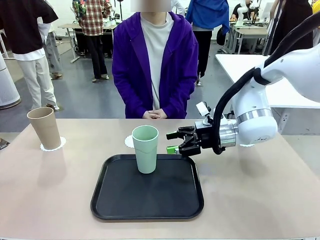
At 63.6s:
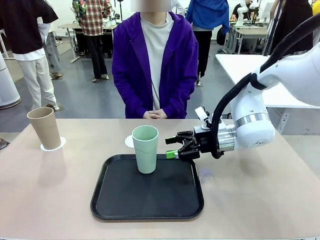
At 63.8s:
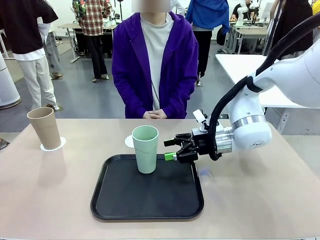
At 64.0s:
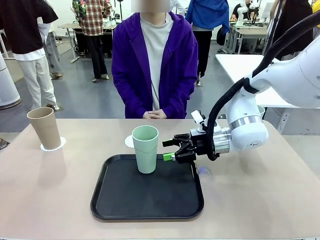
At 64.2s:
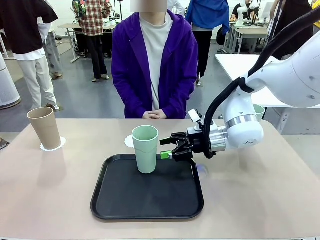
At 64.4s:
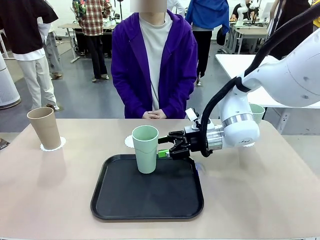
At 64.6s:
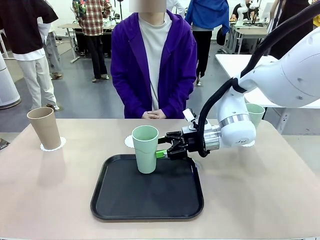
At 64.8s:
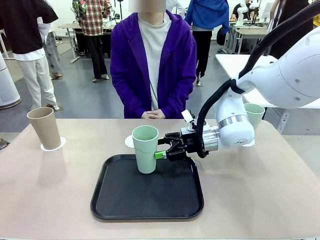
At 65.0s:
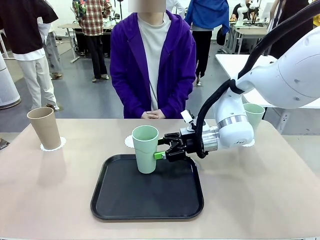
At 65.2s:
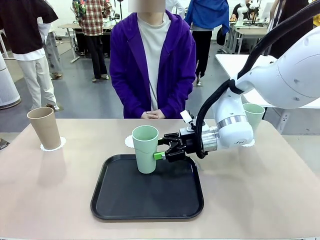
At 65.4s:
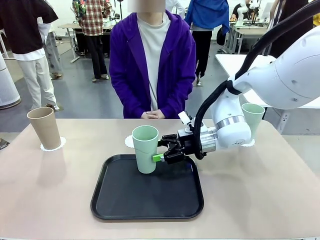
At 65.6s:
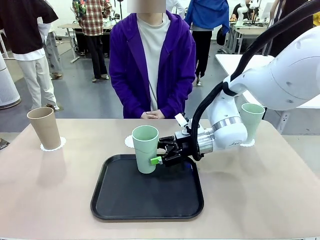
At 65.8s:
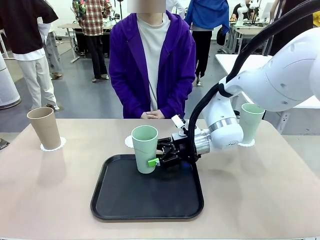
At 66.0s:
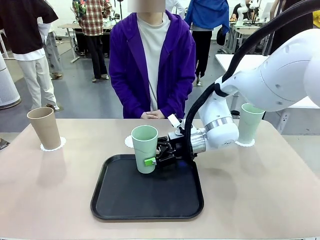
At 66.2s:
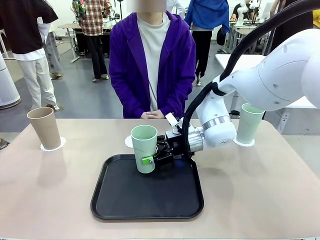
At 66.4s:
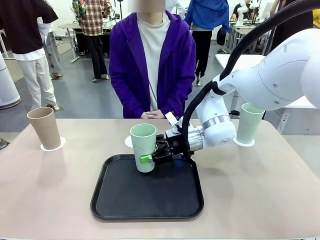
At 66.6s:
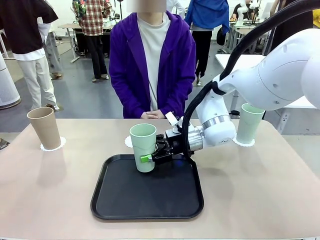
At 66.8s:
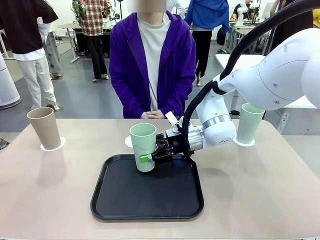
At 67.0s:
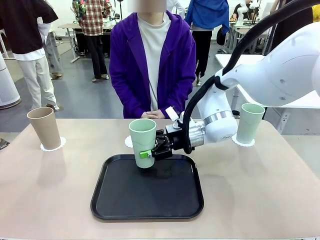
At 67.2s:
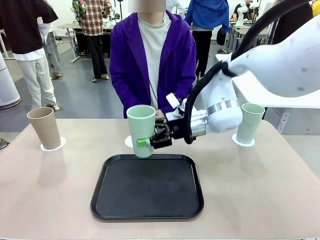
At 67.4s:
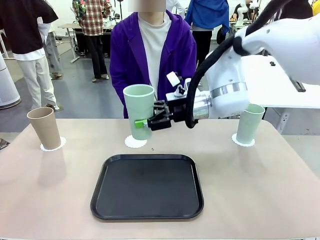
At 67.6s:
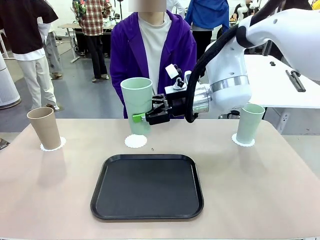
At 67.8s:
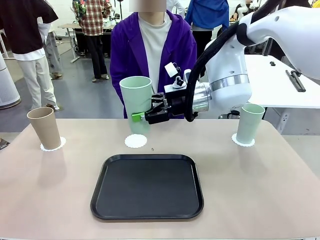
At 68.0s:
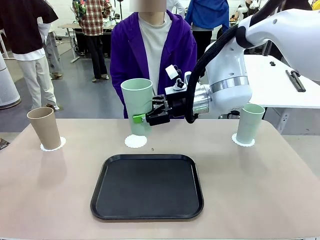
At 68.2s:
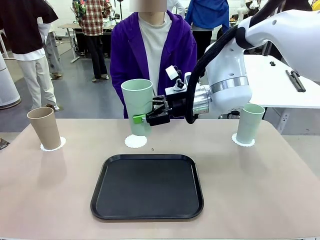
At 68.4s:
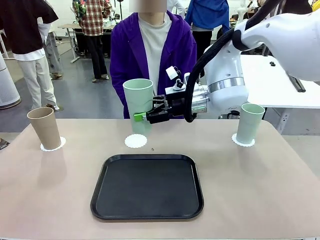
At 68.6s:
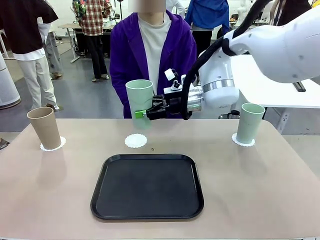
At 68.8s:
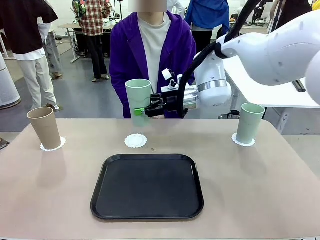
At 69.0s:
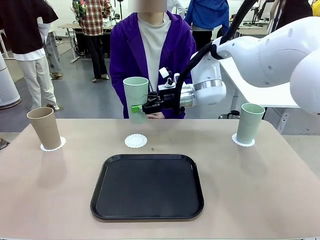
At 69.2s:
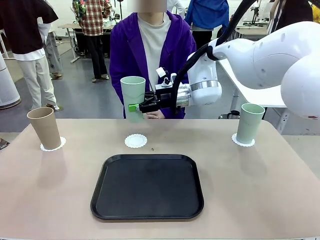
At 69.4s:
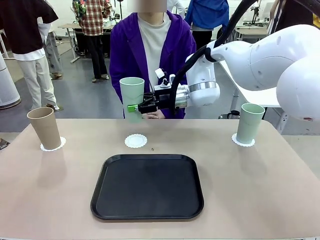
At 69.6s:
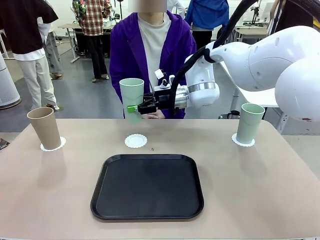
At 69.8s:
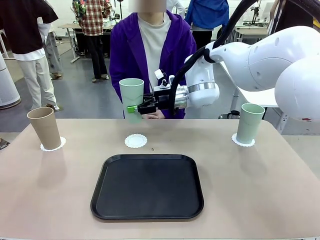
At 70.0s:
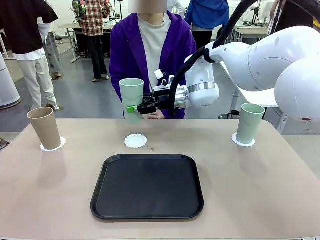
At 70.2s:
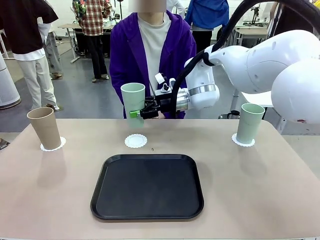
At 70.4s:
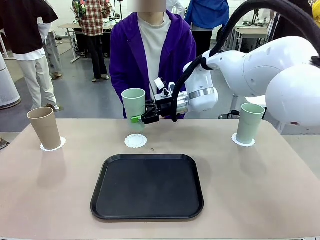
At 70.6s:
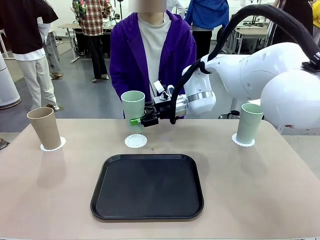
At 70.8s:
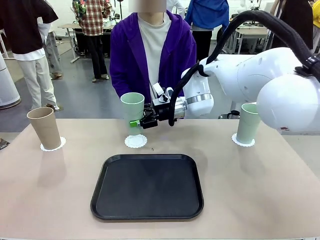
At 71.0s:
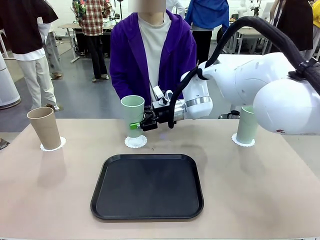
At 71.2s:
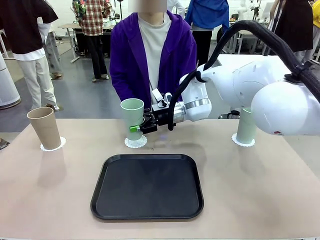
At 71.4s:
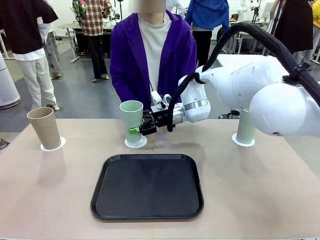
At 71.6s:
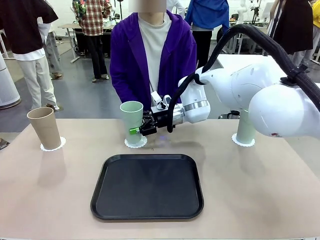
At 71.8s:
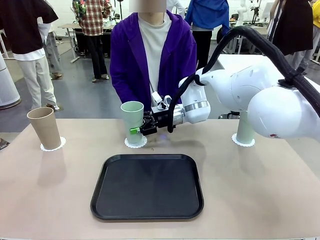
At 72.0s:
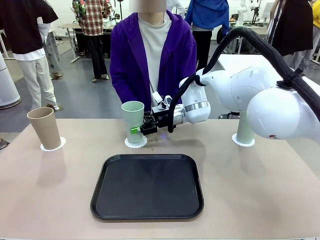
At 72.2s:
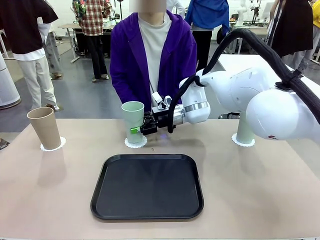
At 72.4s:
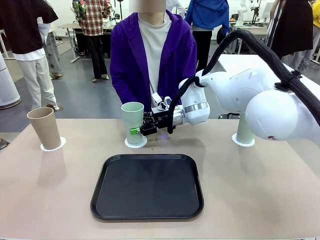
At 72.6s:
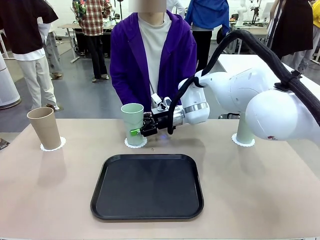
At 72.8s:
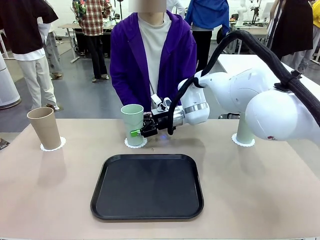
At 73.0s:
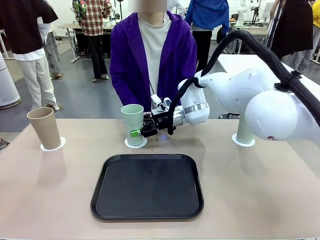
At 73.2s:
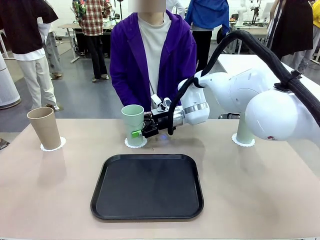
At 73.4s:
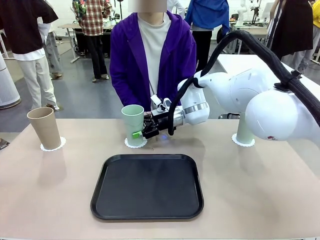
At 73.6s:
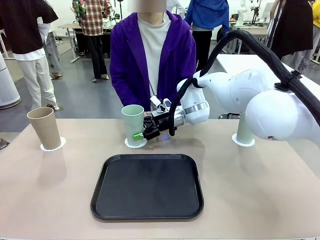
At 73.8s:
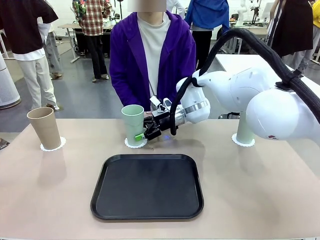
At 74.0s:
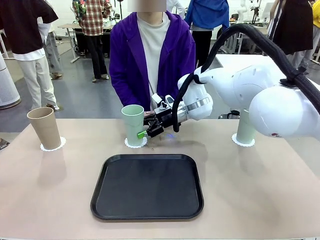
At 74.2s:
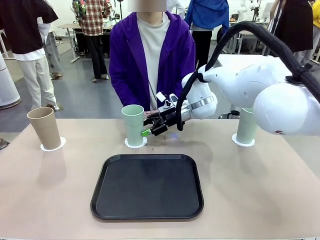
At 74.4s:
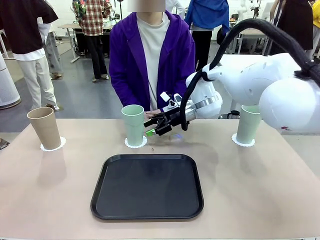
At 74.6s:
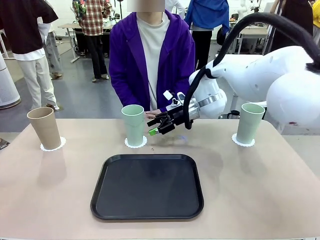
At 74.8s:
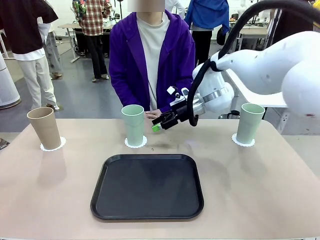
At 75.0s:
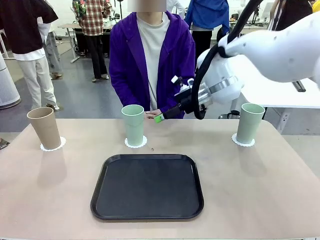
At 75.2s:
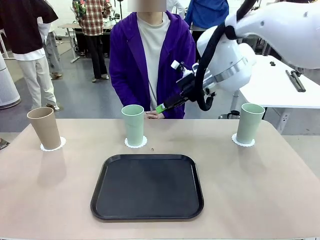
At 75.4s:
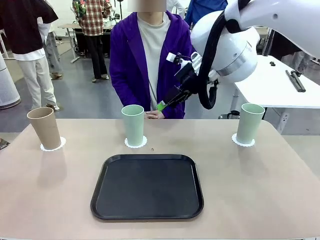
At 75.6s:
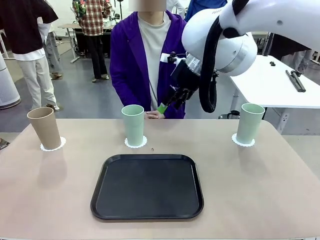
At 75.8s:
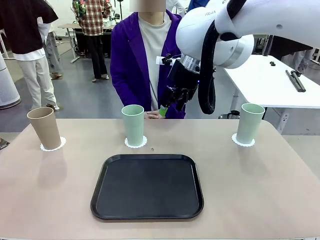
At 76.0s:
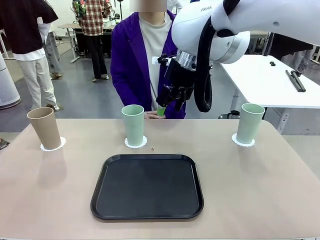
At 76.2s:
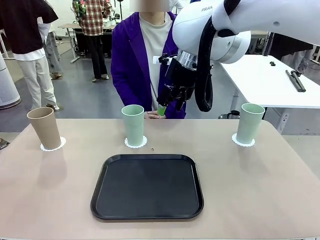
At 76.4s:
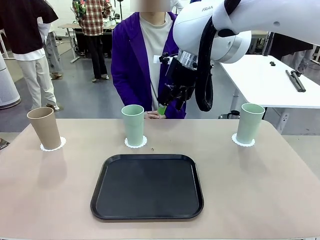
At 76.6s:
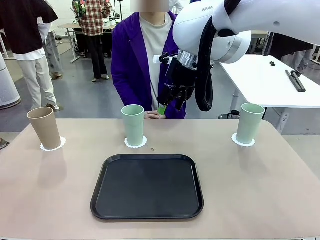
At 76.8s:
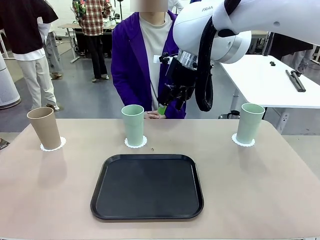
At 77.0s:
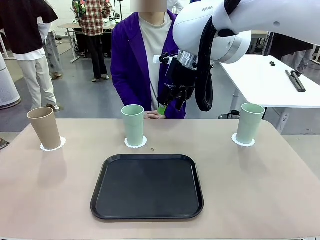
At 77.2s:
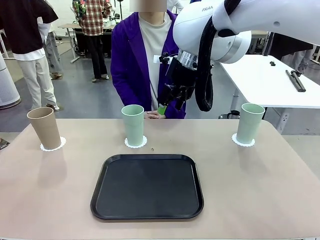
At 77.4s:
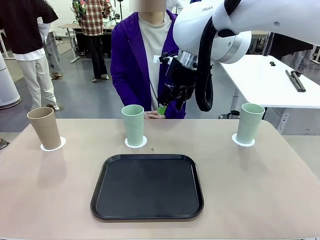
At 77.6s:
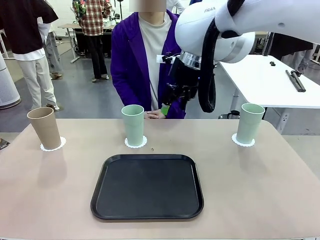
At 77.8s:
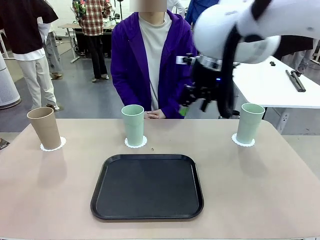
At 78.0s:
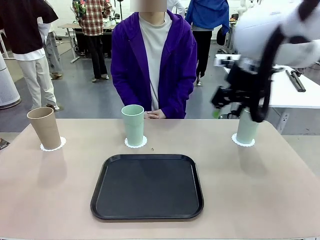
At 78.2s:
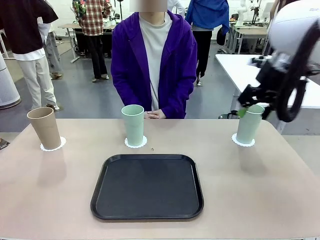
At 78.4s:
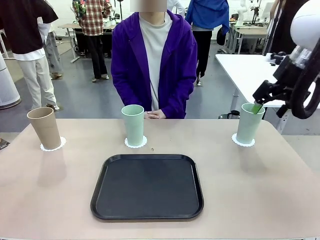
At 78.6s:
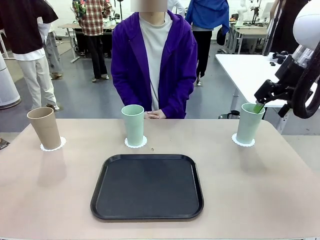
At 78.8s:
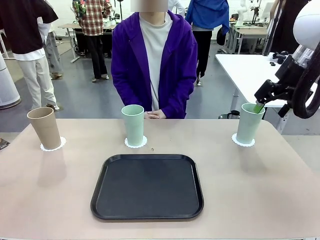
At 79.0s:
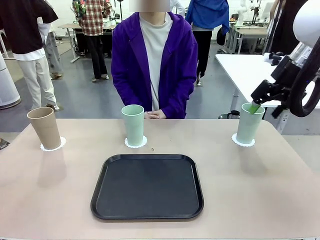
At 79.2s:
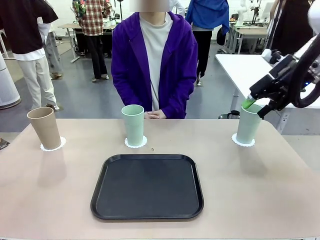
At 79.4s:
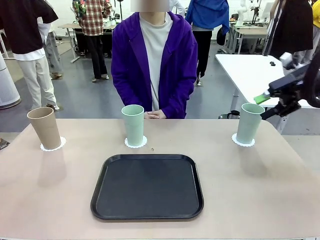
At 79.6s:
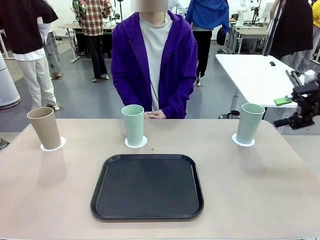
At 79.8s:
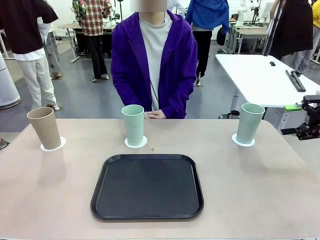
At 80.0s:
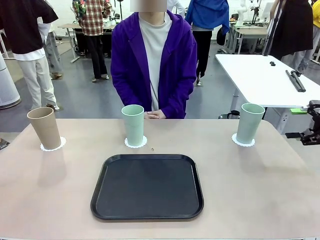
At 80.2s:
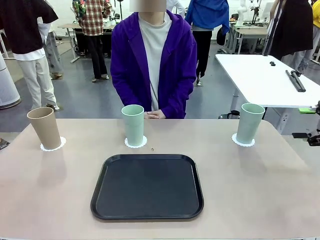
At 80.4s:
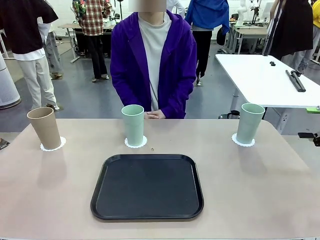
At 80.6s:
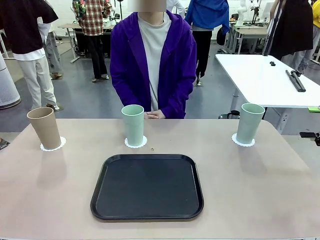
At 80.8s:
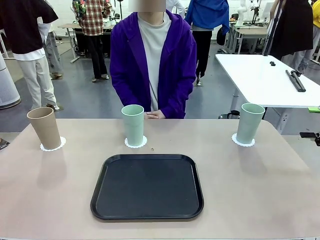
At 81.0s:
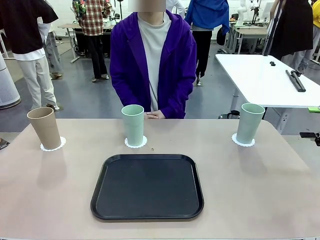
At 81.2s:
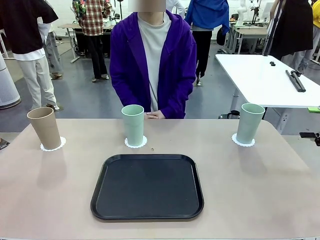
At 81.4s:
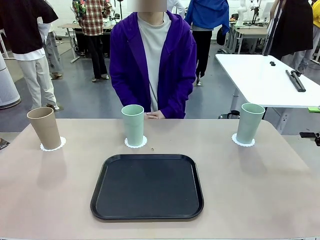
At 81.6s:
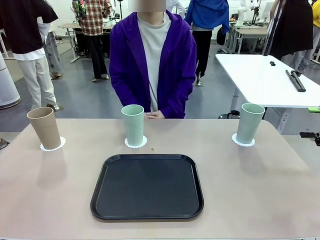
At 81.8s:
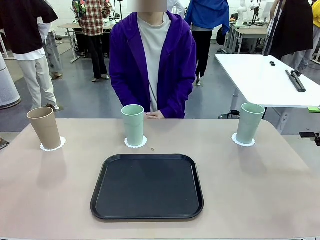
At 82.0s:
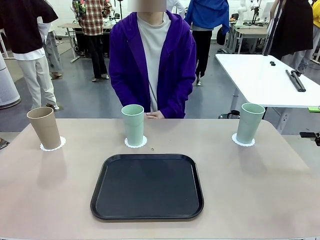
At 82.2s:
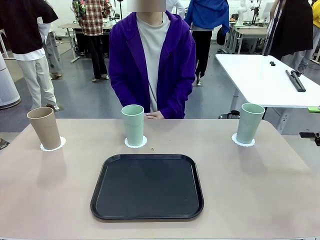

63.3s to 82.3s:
Task: Place coasters on the table and set cups on them.
Robot: Take one Reusable plastic cup from the Flat Tray and place it on a coaster set by the human.
